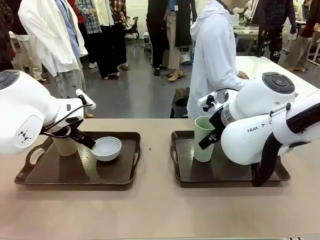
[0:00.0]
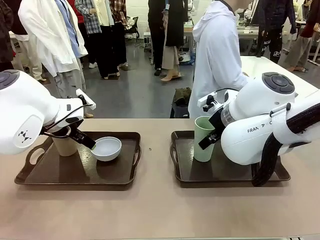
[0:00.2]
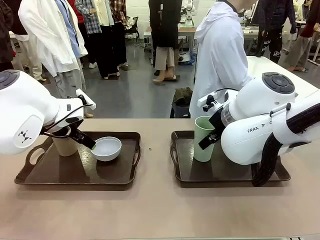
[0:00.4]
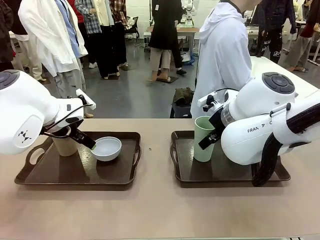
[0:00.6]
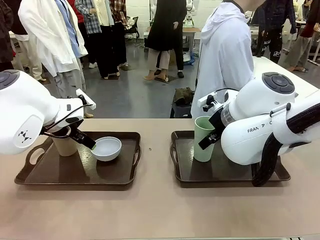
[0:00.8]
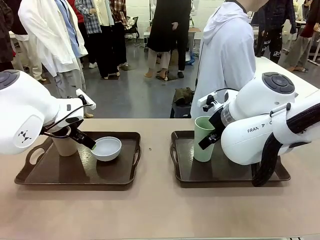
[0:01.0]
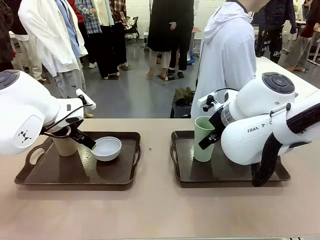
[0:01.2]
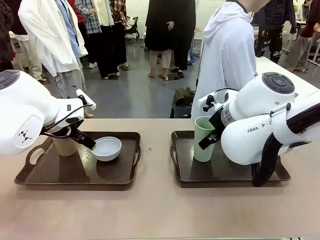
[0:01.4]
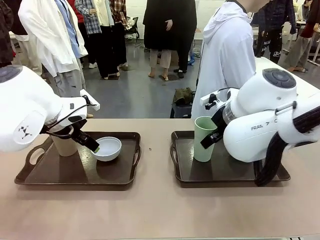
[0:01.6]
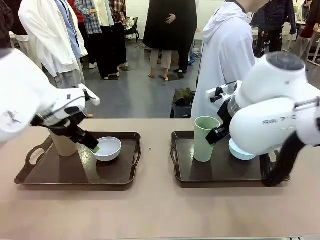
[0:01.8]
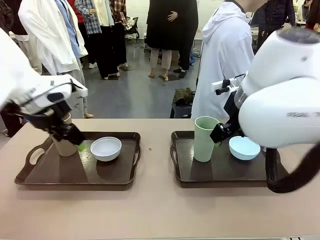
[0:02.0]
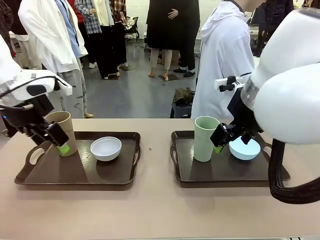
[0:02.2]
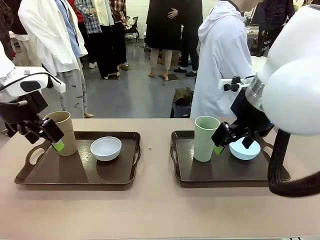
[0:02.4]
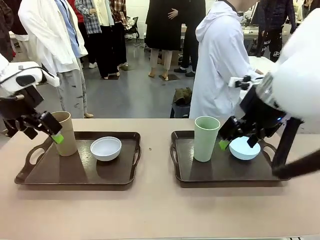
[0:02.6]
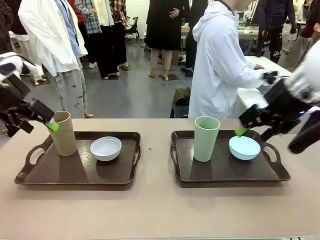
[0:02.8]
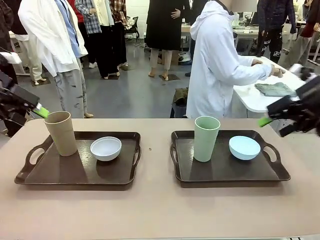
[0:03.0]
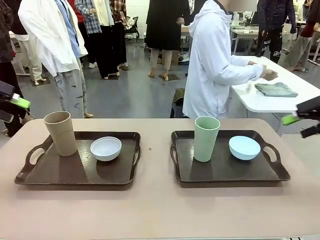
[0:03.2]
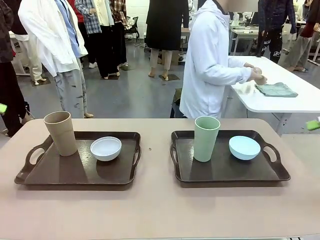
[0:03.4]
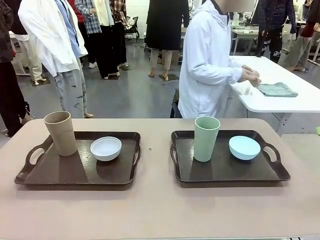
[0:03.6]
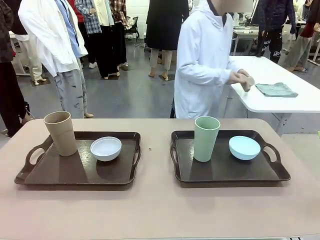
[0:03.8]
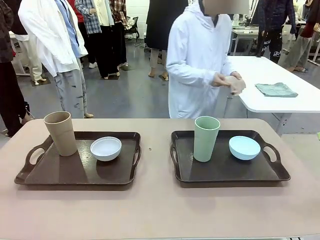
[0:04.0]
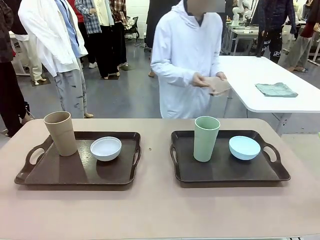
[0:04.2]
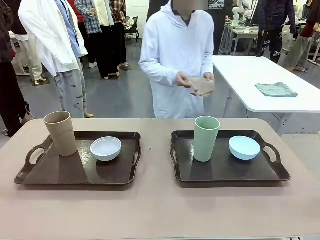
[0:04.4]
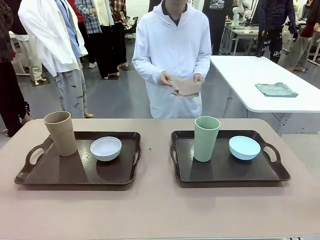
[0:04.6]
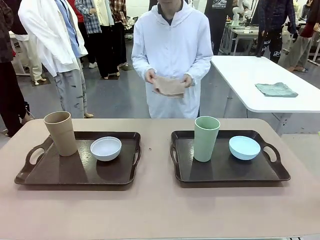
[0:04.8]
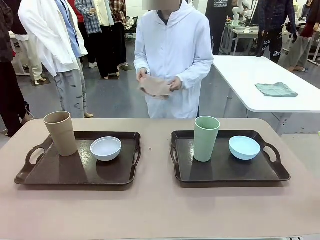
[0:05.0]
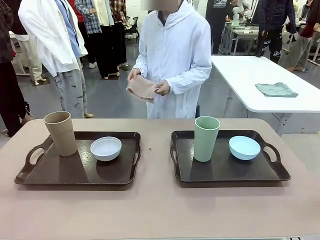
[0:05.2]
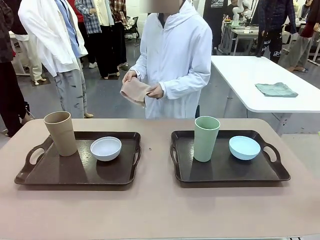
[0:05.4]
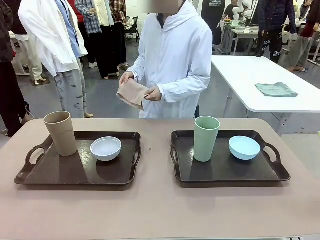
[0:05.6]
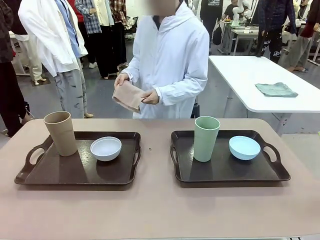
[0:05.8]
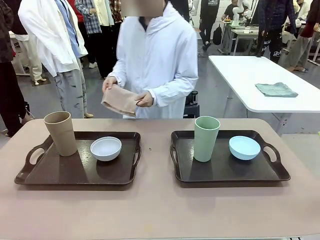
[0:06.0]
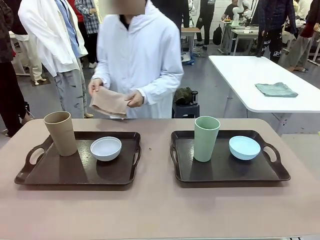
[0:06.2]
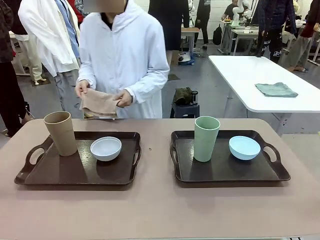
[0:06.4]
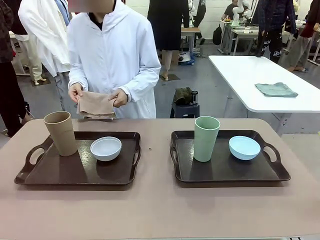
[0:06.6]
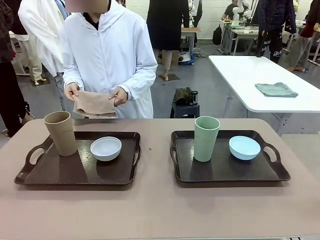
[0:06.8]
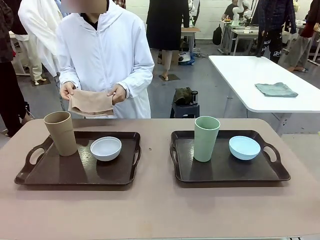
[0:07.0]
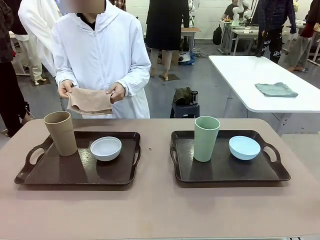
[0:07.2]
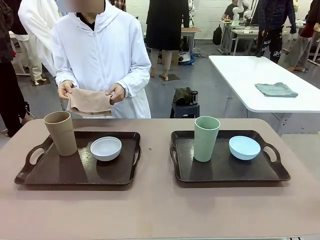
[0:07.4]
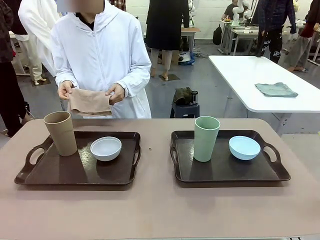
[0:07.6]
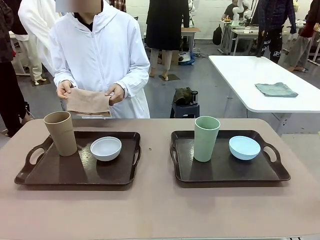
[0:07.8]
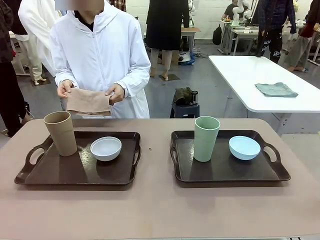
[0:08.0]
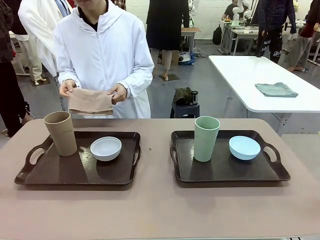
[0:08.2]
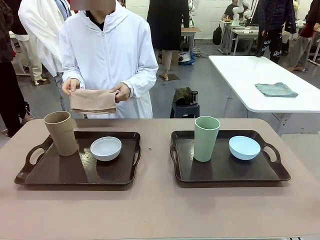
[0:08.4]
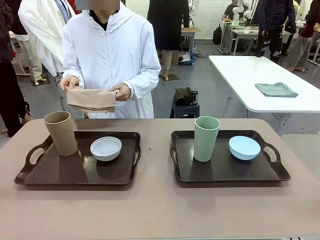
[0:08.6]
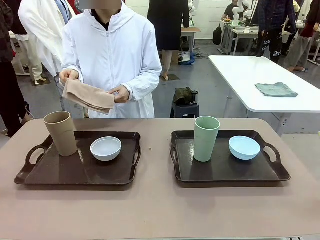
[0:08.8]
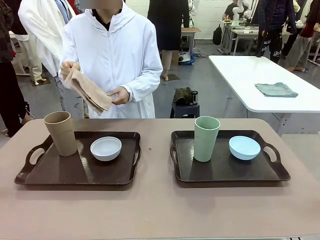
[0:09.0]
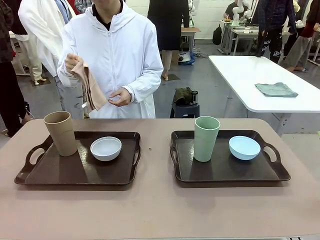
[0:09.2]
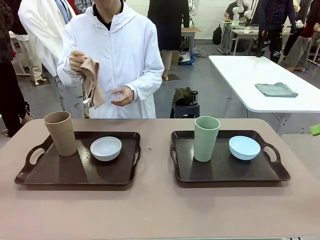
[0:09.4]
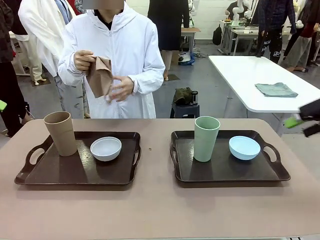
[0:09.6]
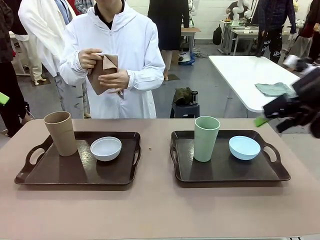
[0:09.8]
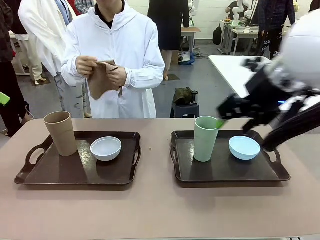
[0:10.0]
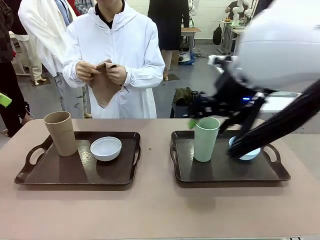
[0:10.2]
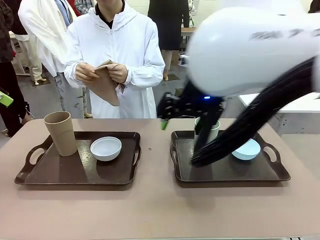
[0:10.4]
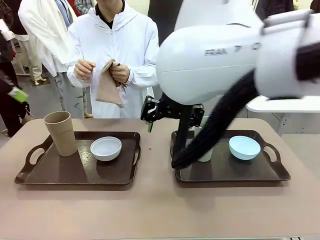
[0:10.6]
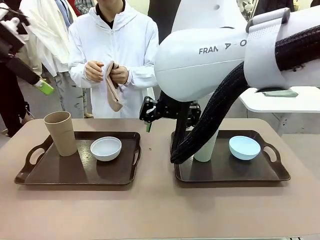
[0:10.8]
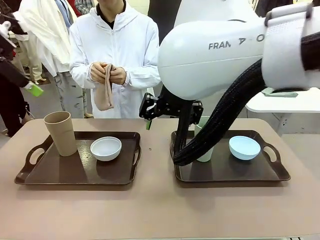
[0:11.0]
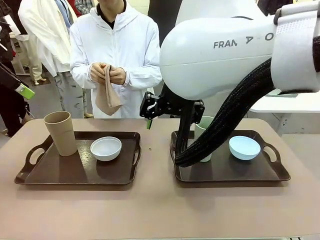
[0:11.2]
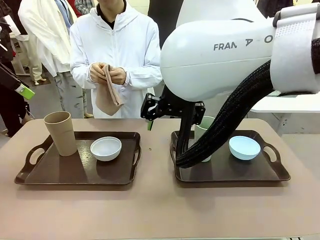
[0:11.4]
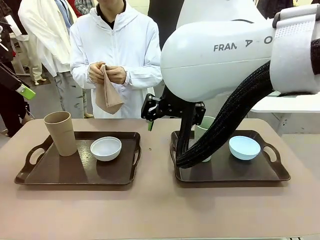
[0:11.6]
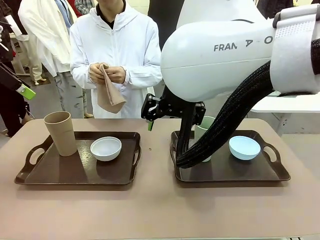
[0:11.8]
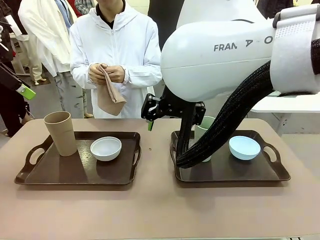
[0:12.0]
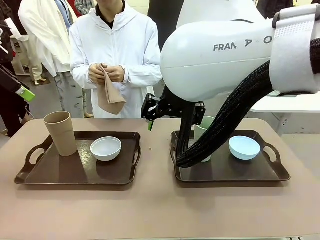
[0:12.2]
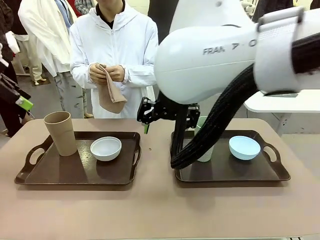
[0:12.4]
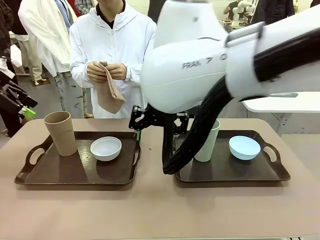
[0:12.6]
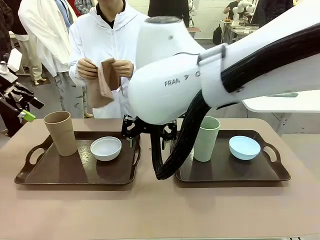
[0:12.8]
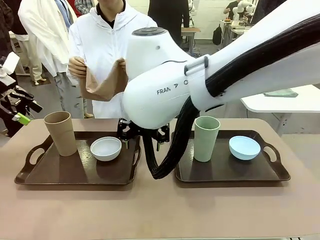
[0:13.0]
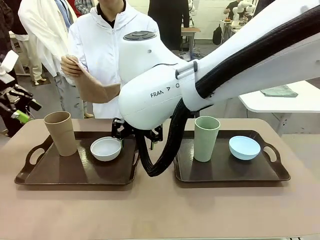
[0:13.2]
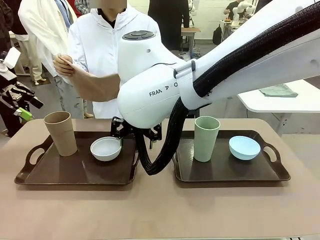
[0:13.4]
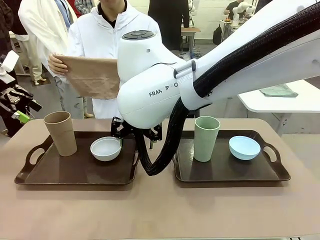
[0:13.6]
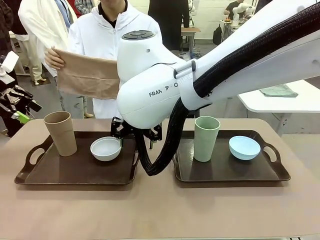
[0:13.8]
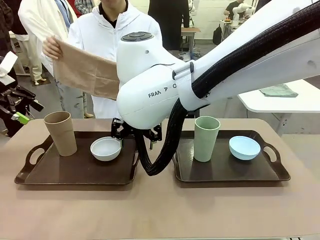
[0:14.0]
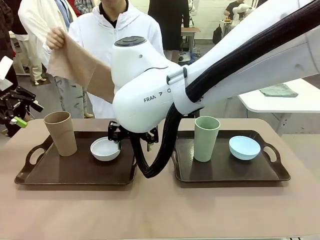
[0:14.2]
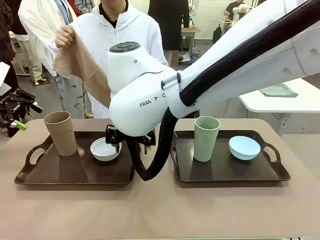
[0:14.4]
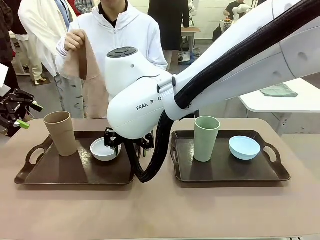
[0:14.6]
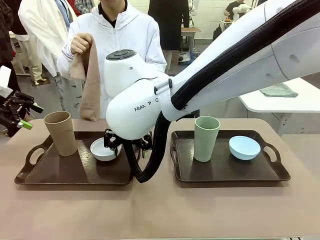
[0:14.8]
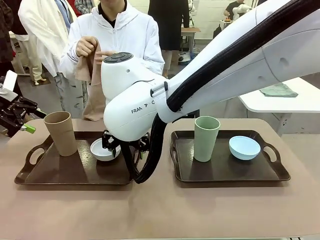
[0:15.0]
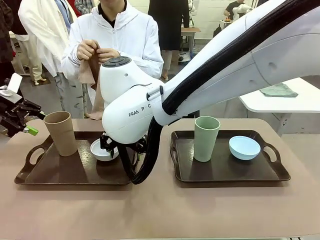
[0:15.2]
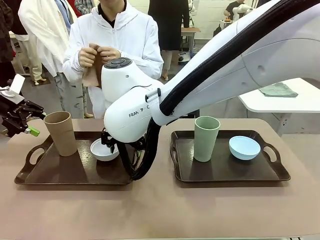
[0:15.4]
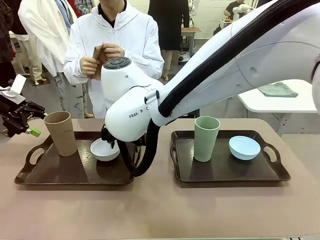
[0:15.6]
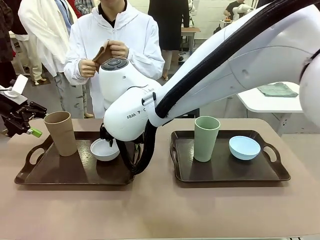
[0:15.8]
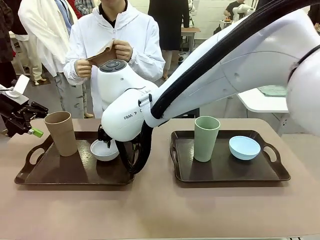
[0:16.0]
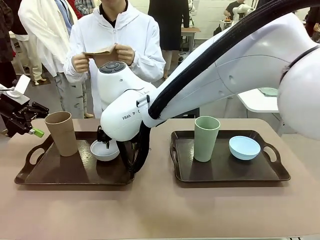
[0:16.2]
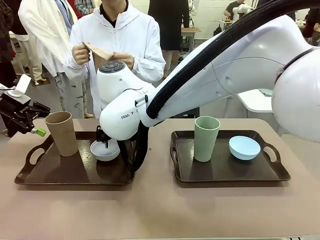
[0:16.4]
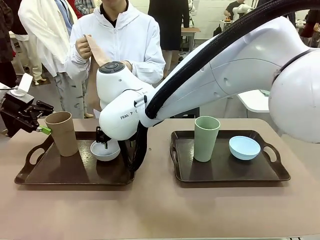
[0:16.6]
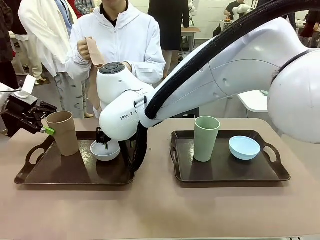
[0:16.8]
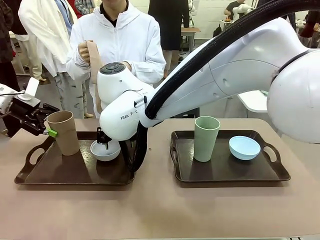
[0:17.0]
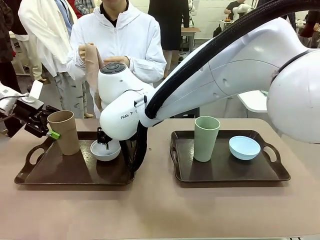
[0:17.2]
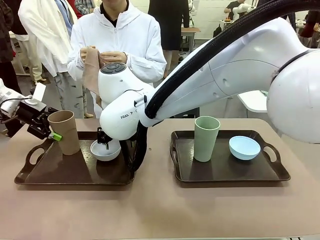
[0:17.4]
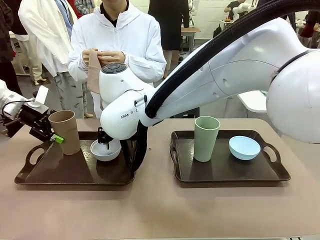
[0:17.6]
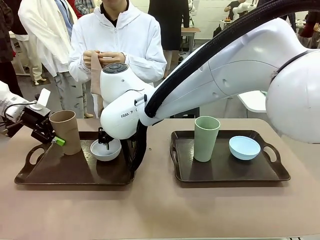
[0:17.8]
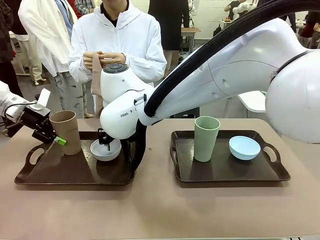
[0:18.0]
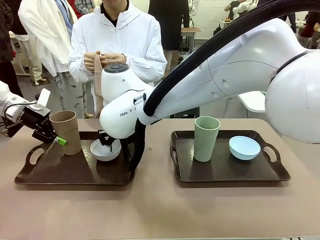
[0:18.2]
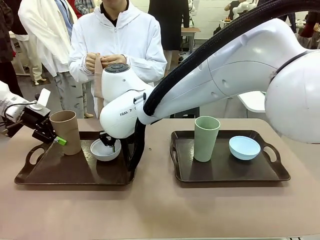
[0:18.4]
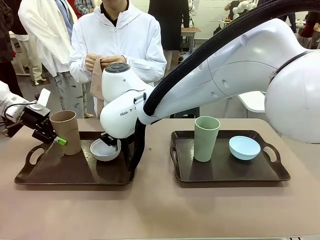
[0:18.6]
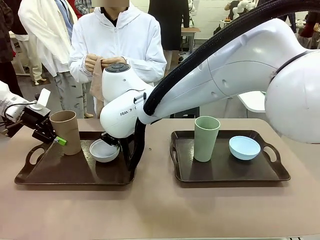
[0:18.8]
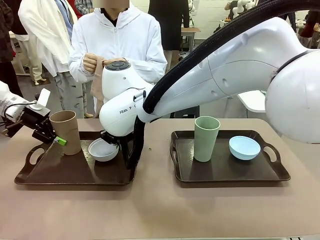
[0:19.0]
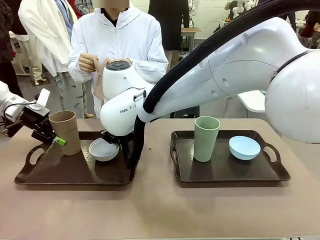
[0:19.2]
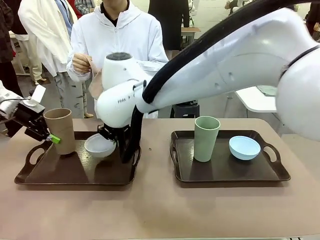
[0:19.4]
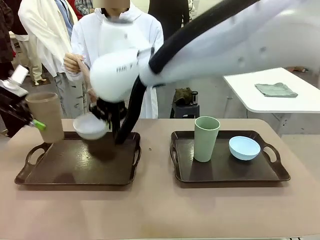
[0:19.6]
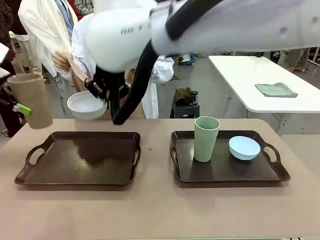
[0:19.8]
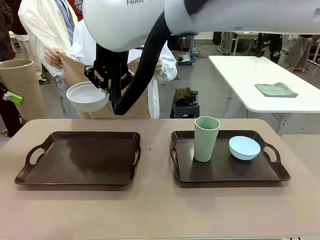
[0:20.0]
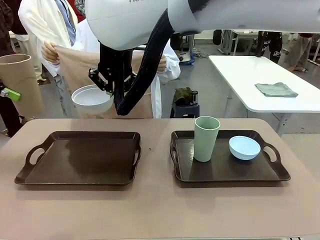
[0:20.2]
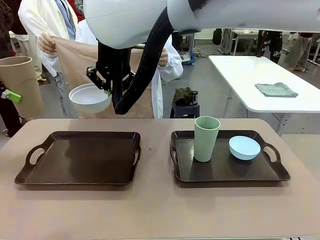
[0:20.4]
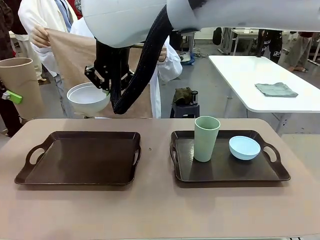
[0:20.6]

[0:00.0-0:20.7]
Robot: Pick up the Picnic Bowl and Reusable plastic cup from the Handle tray in front of the human's position and hold them in the air.
Person: The human picks up the top napkin from the stack on the human table and walks to the robot table to stand in front of one of the two trays. When the robot lifts the bowl and the cup, the human unfolds the napkin and lays the napkin flat on the tray.
